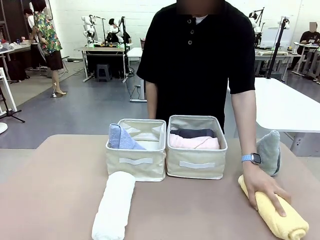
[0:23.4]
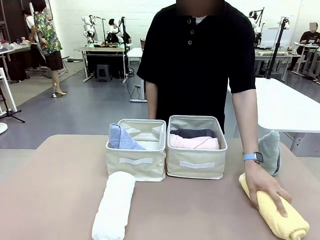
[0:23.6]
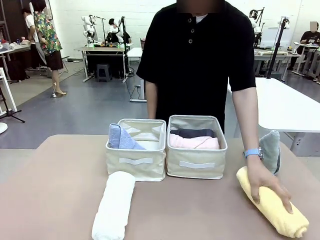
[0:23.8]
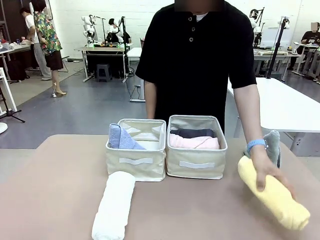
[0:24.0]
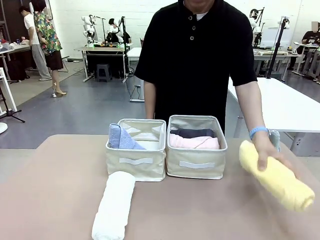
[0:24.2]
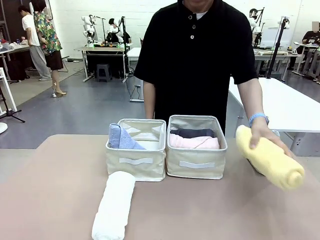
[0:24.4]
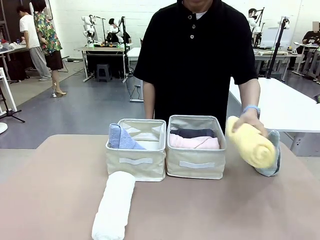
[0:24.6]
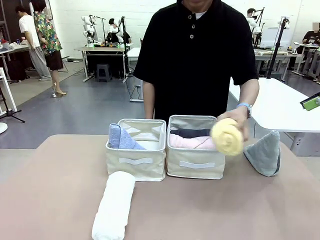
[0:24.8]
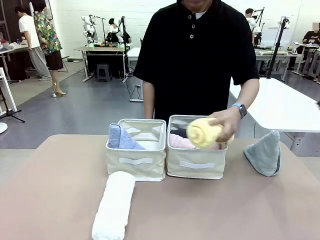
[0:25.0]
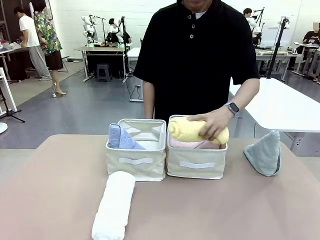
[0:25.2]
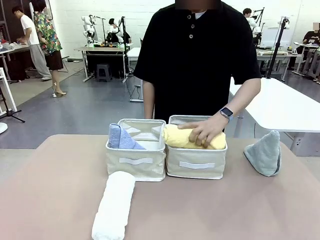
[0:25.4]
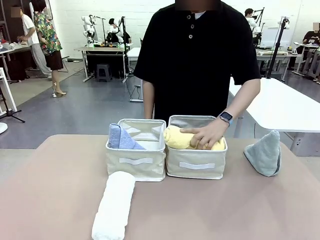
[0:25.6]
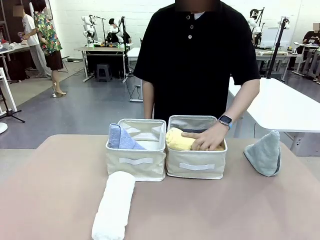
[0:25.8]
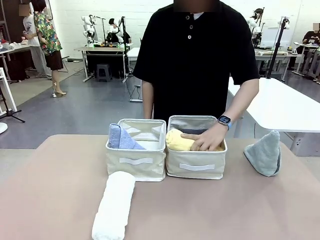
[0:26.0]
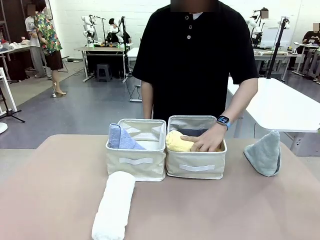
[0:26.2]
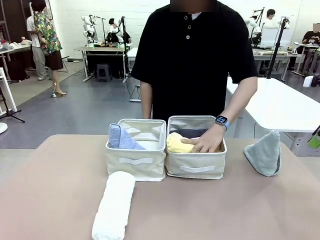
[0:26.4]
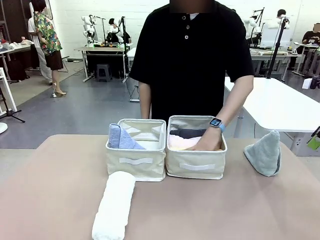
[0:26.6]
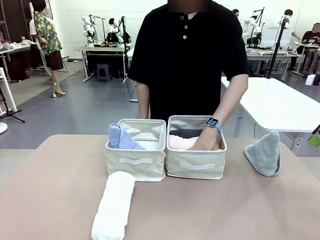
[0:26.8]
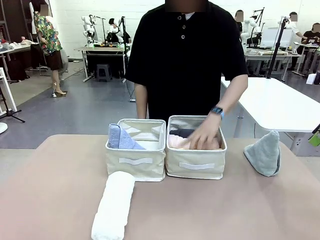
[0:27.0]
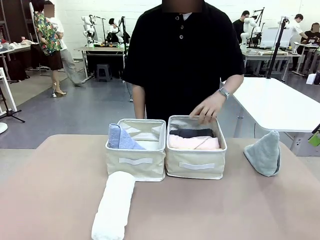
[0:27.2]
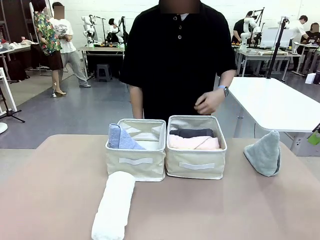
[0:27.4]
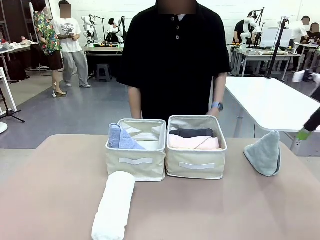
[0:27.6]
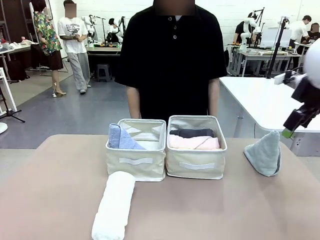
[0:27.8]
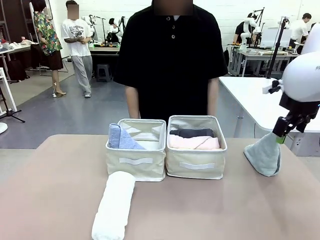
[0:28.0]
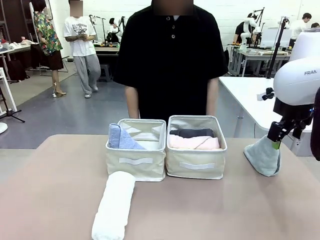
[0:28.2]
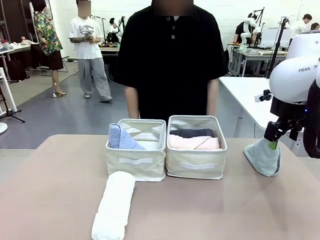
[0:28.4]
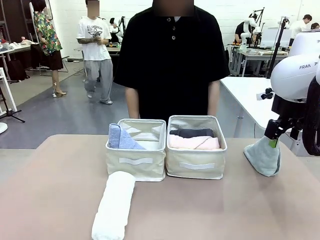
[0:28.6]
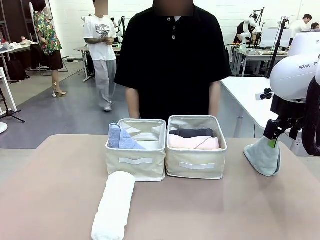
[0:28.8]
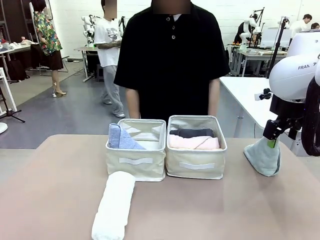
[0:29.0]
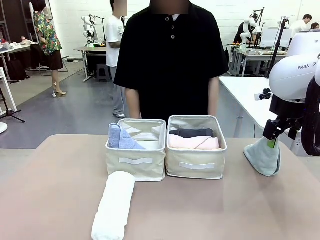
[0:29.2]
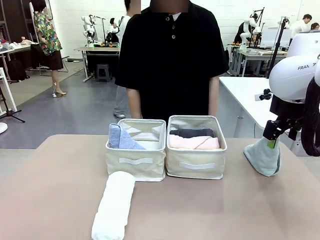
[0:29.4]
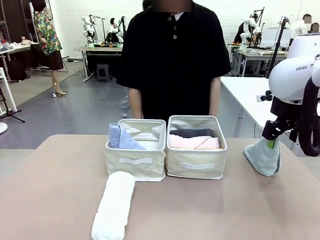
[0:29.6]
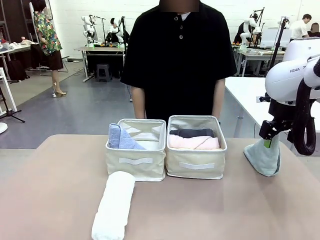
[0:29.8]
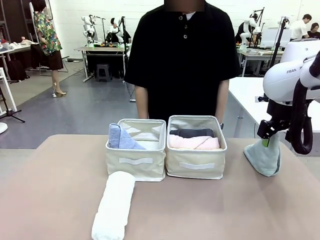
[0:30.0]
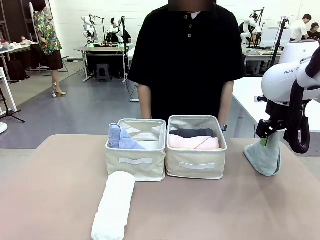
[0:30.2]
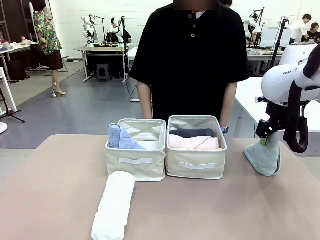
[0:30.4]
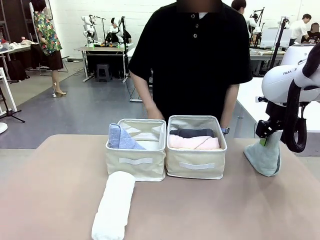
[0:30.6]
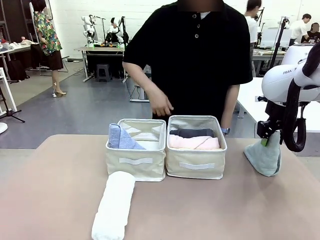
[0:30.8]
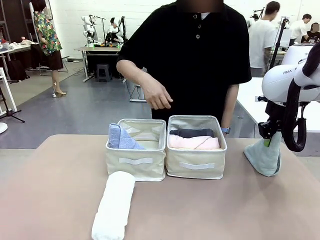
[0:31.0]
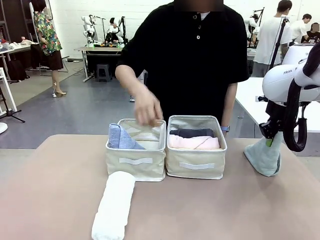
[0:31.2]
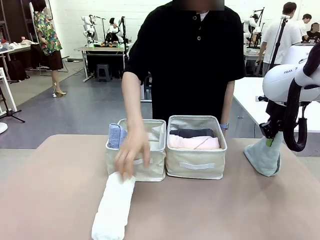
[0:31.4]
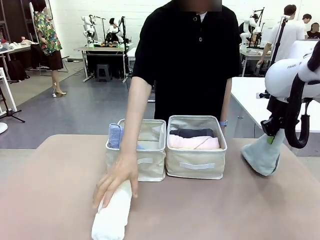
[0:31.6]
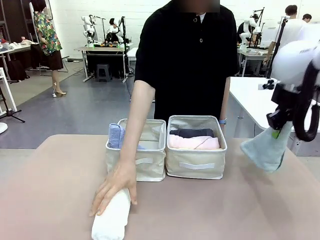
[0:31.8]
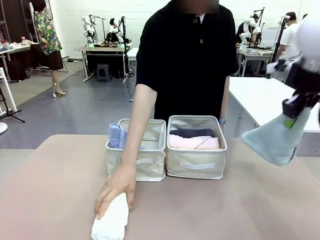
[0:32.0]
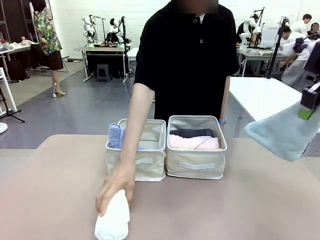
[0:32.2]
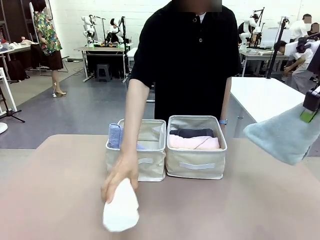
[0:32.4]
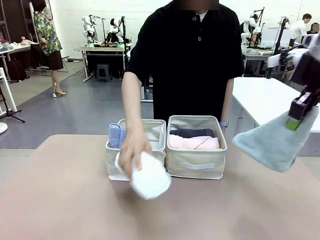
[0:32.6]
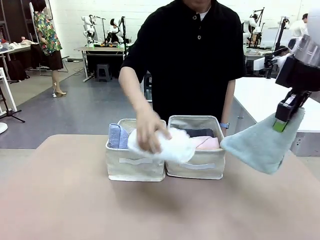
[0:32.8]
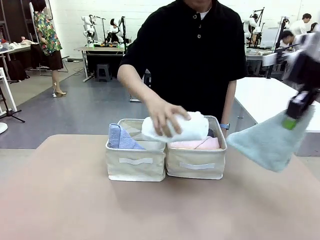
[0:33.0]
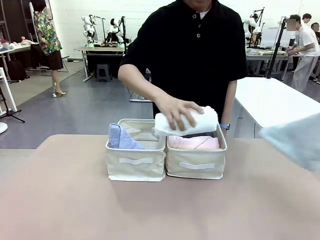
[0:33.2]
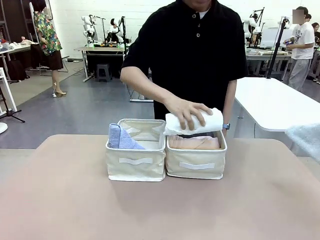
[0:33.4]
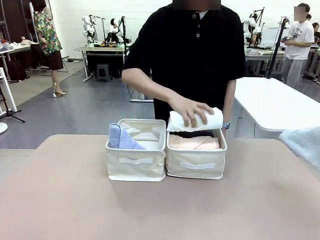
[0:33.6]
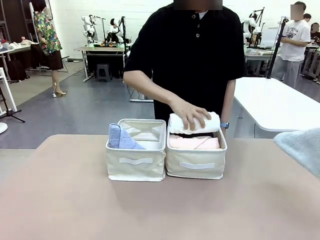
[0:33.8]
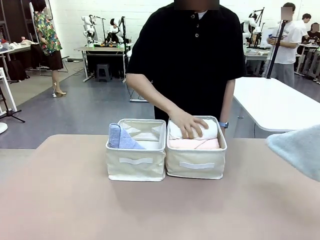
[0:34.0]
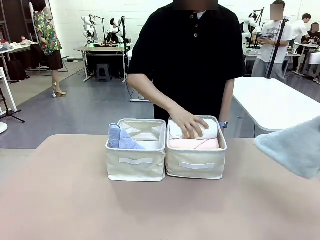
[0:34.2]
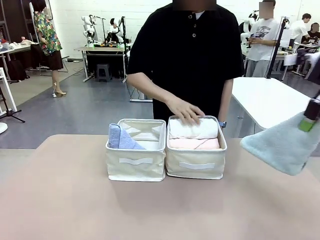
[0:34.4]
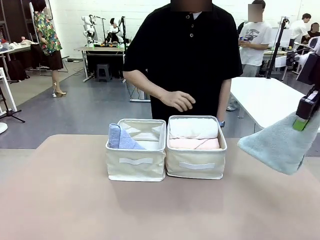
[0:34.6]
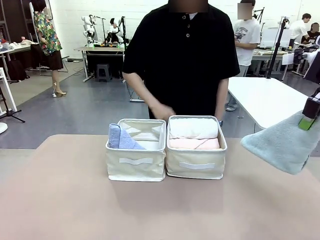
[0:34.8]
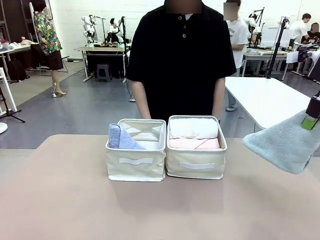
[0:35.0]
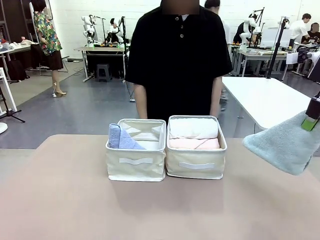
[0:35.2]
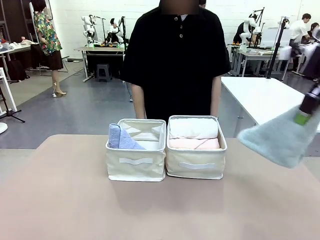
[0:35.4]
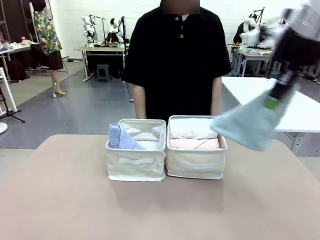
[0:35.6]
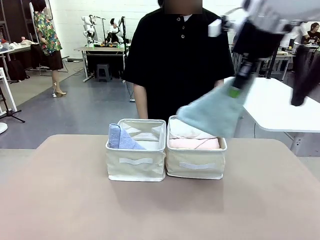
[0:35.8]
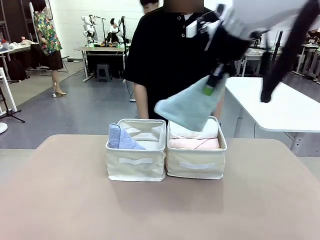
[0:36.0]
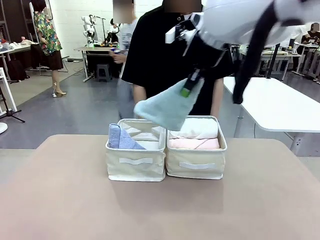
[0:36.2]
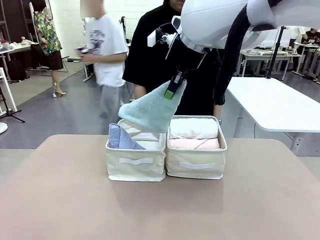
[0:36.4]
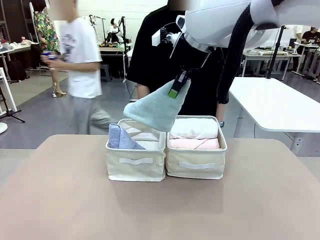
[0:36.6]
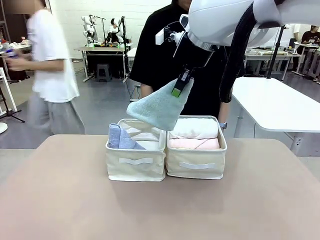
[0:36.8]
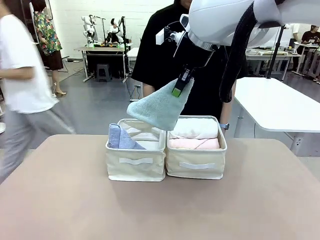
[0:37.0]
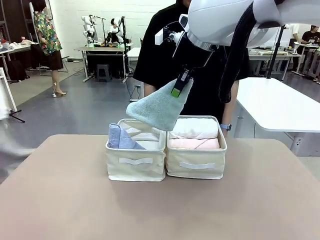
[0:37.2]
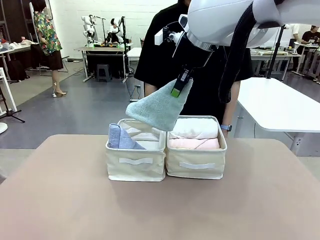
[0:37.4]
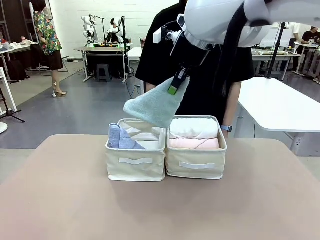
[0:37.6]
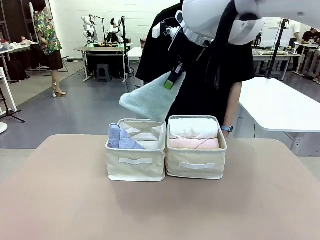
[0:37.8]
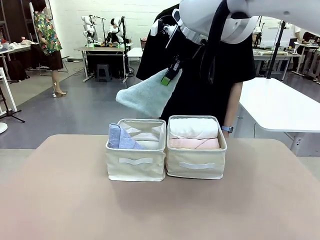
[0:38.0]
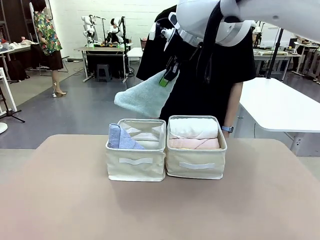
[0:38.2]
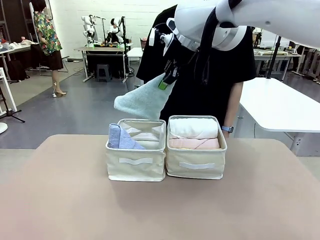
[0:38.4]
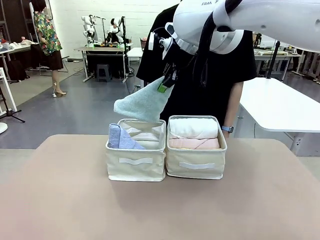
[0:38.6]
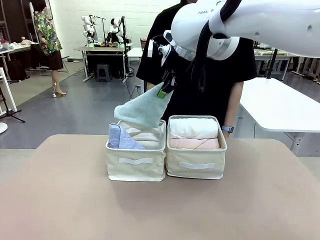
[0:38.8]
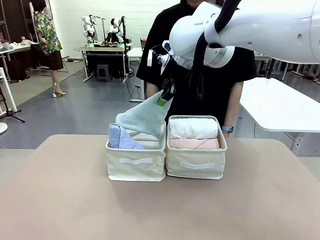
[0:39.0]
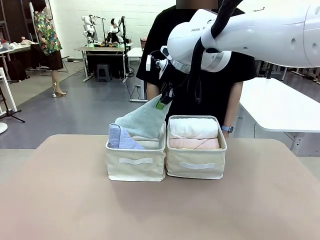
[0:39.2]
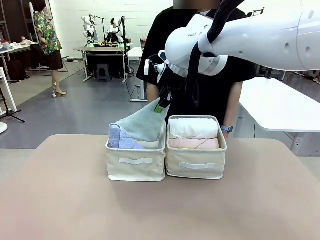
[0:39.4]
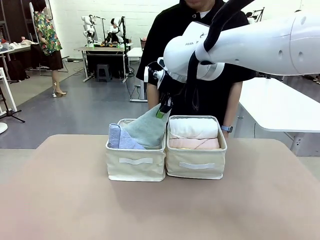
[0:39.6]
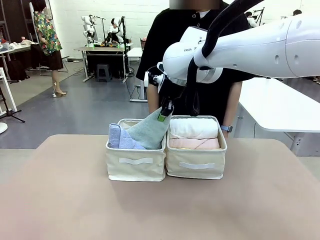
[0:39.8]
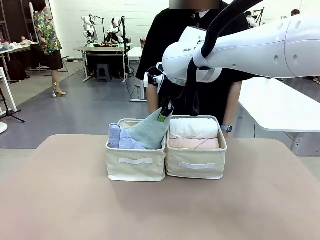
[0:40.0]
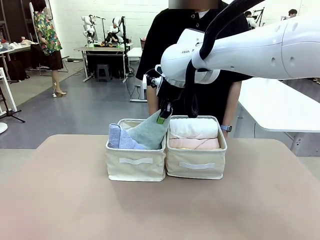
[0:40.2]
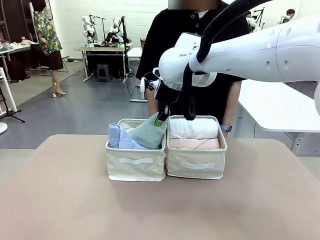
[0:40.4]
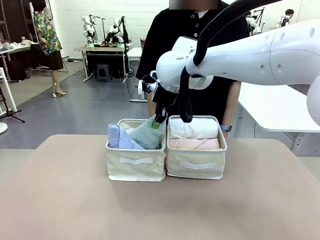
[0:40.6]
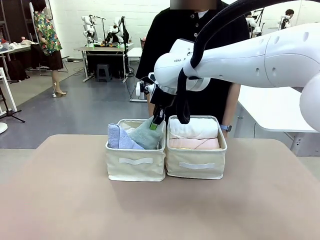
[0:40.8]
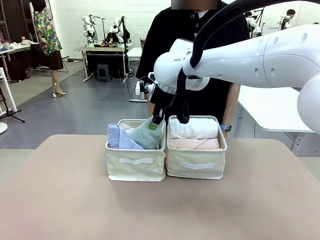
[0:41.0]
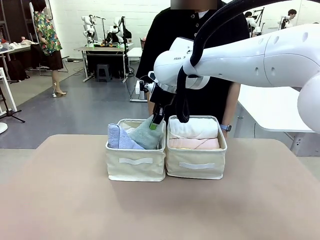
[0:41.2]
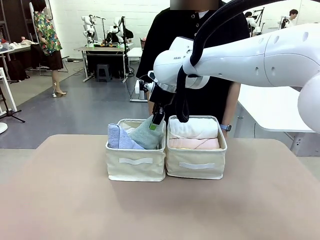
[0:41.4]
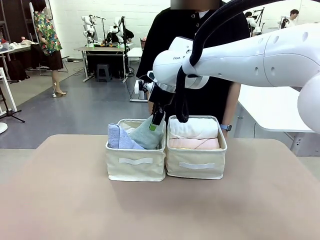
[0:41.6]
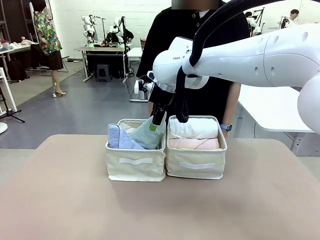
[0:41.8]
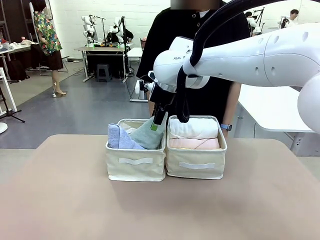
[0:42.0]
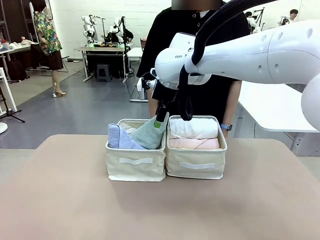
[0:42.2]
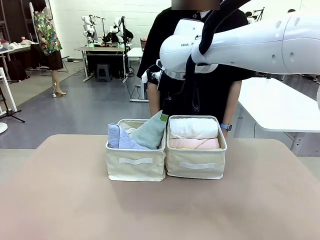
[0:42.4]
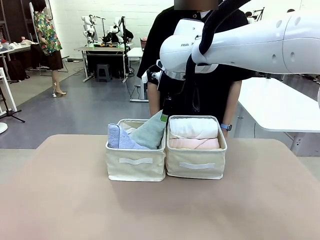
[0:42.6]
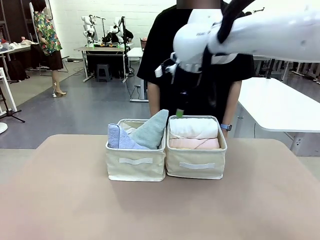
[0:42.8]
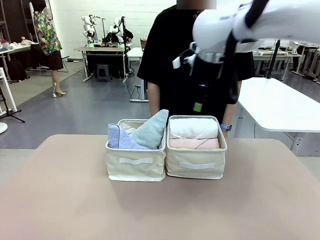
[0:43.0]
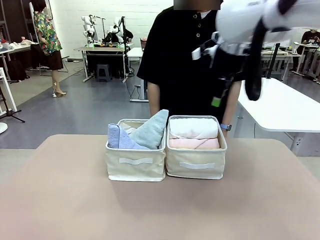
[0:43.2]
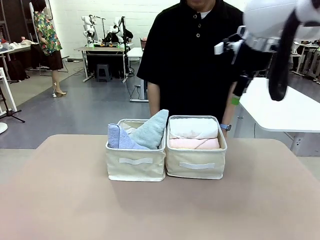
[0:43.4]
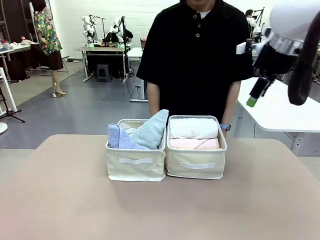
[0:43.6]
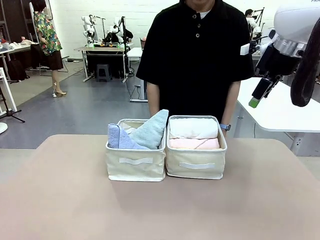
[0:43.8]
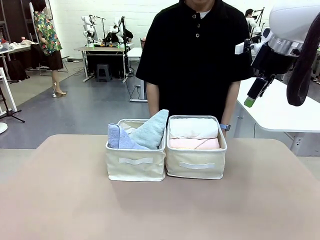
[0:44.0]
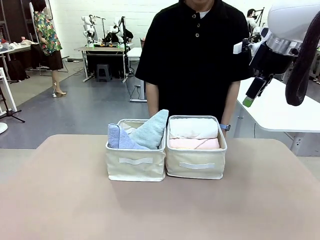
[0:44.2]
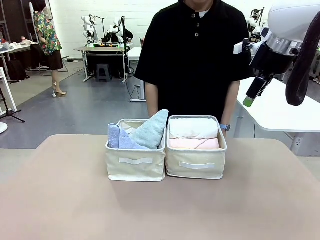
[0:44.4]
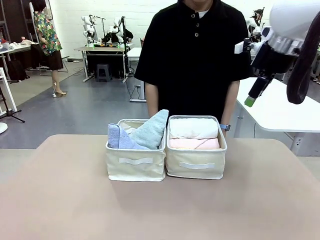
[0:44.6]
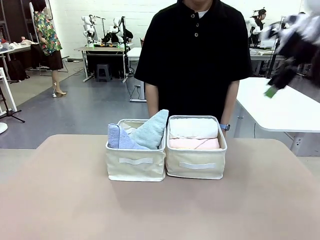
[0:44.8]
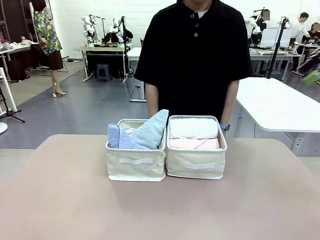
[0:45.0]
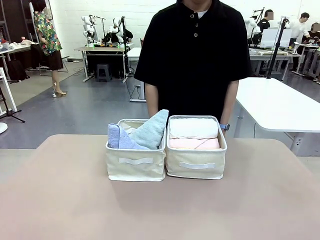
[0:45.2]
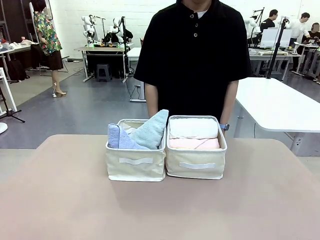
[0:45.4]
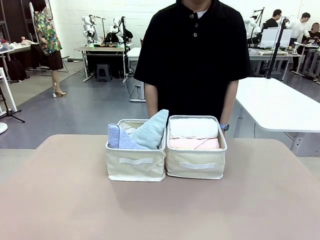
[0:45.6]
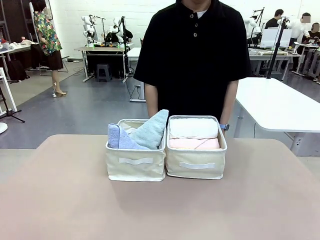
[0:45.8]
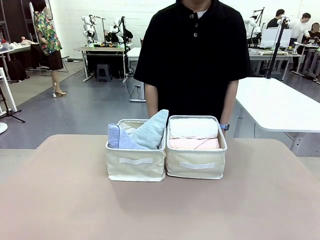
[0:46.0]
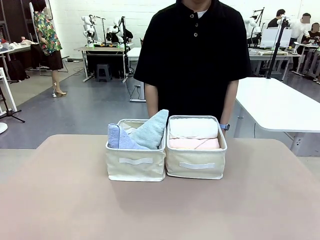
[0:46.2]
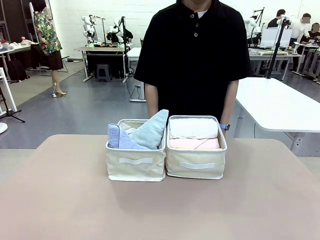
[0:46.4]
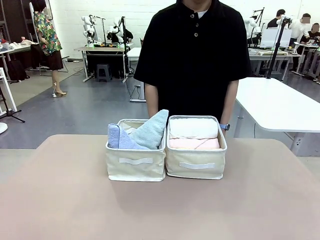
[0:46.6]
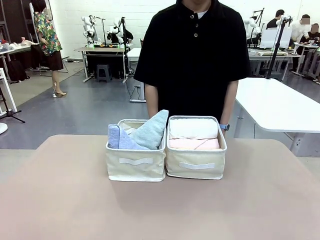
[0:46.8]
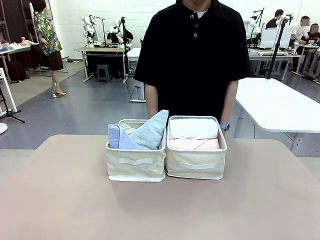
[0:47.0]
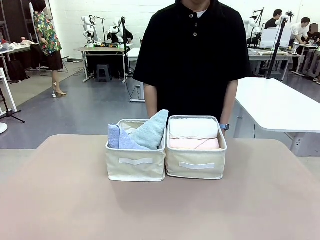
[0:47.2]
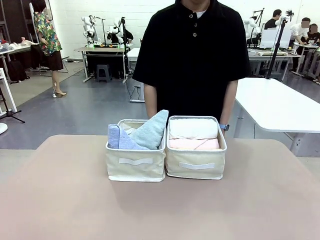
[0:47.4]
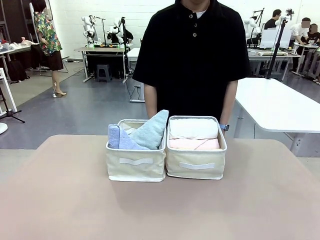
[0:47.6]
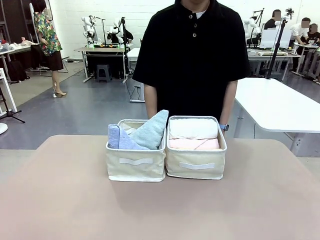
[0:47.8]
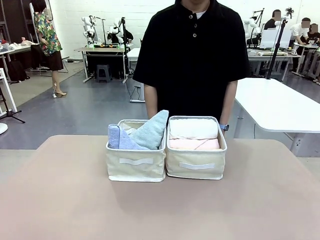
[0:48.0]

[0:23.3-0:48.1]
Task: Sort the towels based on their folding style.
Robot: Pick up another triangle-folded towel from the table and place it in the left Fabric basket.
Person: Pick up one hotel-style rolled towel from the table and place it in the left fabric basket.
